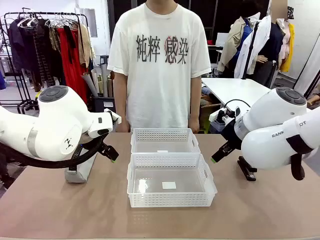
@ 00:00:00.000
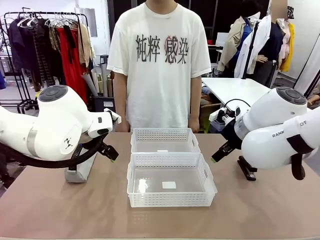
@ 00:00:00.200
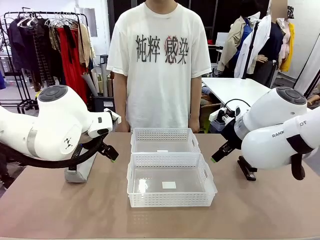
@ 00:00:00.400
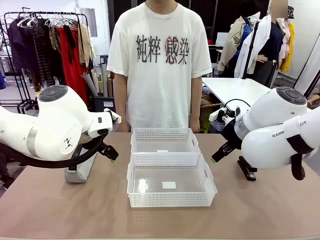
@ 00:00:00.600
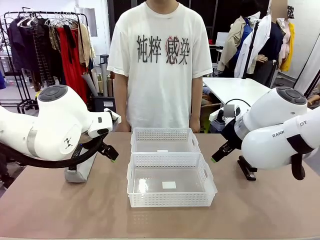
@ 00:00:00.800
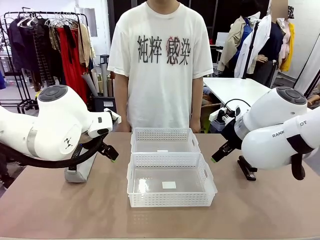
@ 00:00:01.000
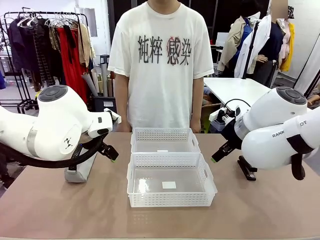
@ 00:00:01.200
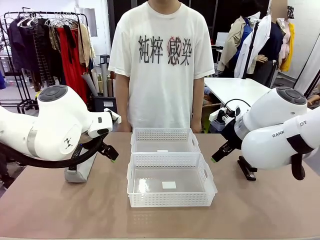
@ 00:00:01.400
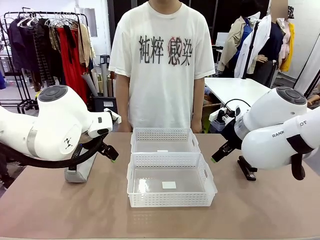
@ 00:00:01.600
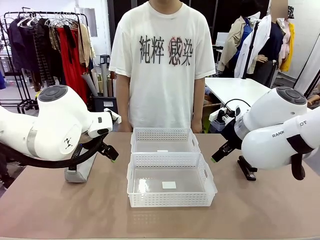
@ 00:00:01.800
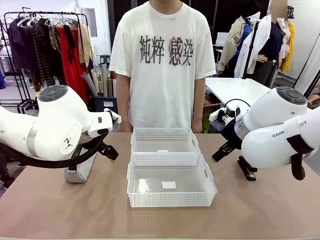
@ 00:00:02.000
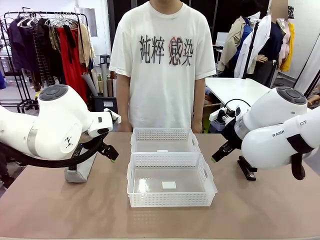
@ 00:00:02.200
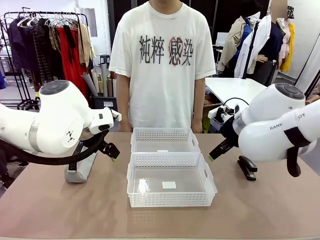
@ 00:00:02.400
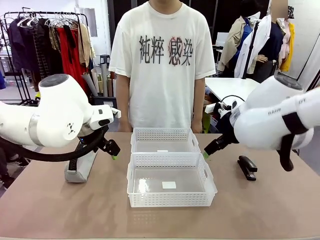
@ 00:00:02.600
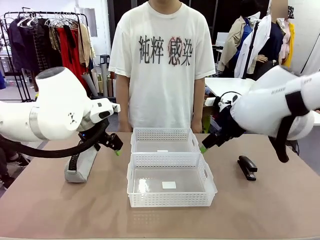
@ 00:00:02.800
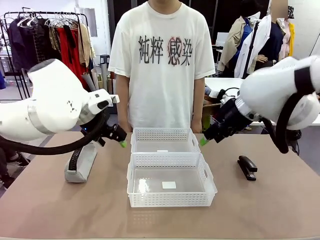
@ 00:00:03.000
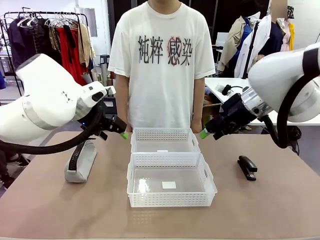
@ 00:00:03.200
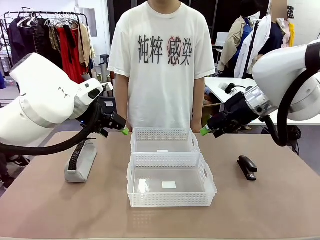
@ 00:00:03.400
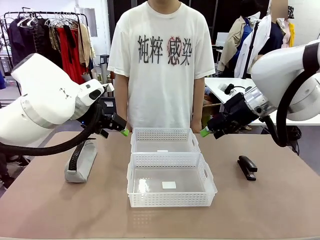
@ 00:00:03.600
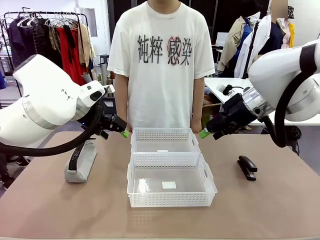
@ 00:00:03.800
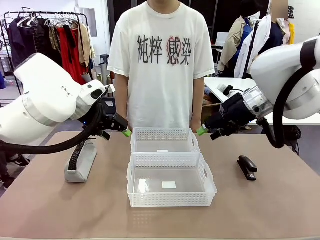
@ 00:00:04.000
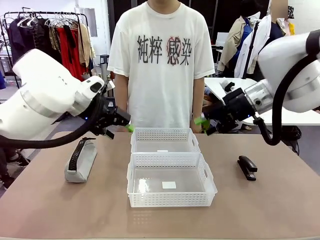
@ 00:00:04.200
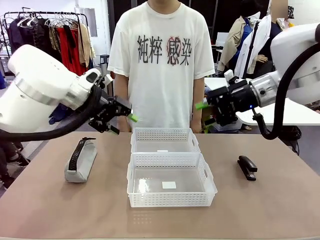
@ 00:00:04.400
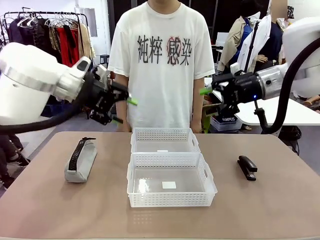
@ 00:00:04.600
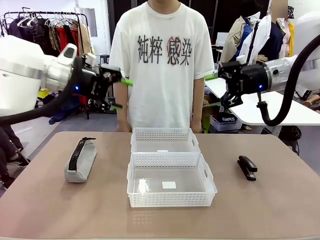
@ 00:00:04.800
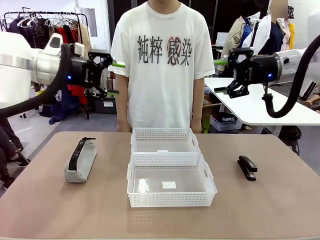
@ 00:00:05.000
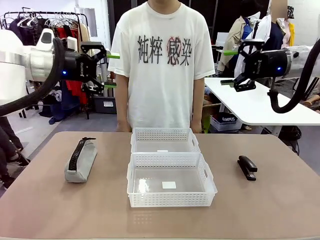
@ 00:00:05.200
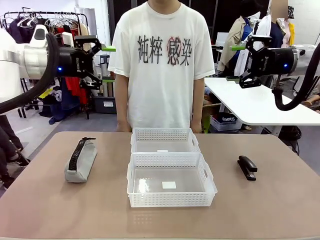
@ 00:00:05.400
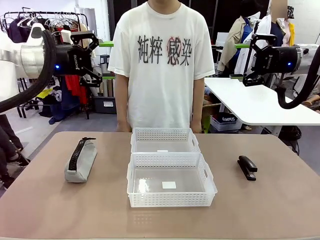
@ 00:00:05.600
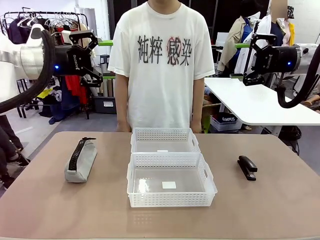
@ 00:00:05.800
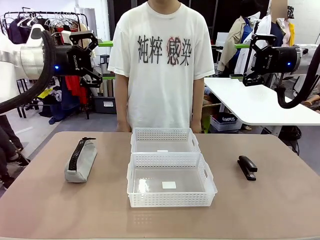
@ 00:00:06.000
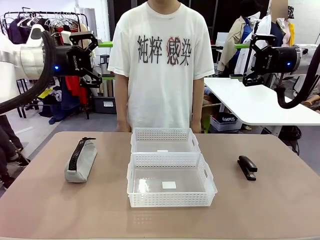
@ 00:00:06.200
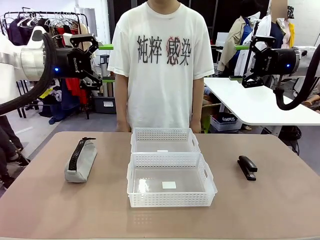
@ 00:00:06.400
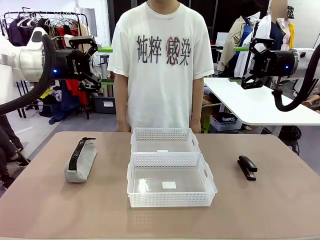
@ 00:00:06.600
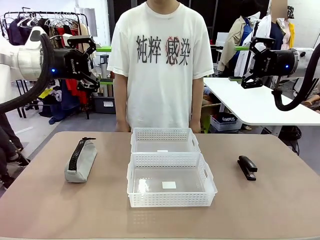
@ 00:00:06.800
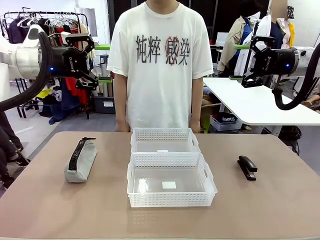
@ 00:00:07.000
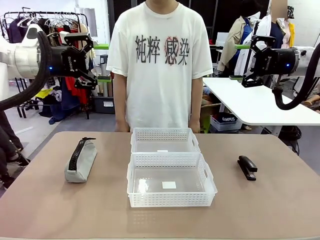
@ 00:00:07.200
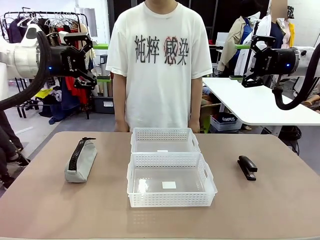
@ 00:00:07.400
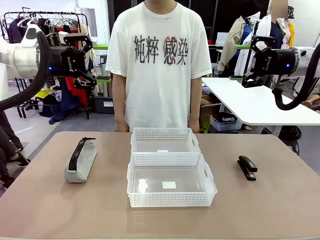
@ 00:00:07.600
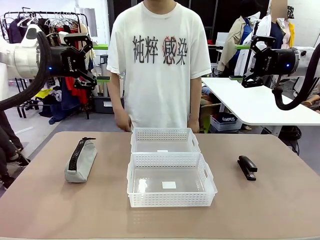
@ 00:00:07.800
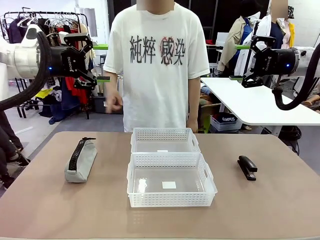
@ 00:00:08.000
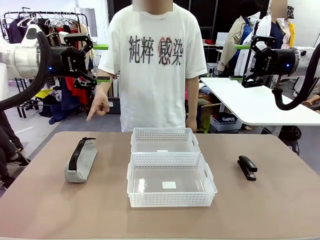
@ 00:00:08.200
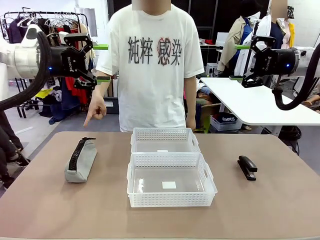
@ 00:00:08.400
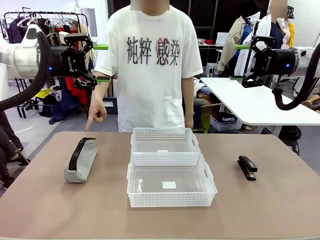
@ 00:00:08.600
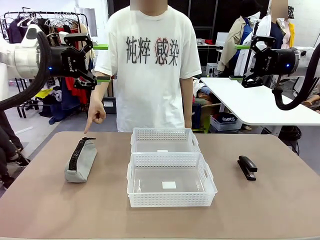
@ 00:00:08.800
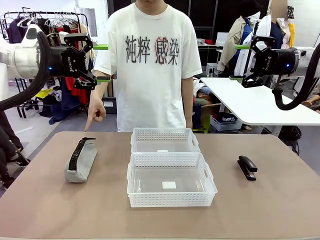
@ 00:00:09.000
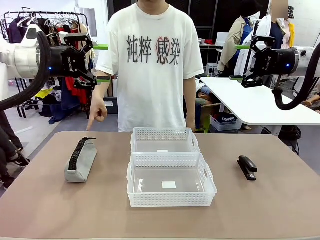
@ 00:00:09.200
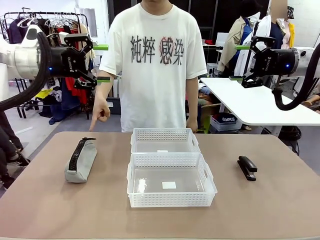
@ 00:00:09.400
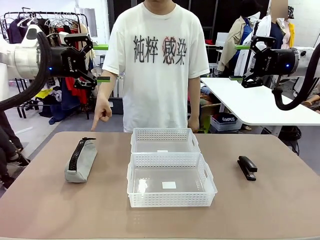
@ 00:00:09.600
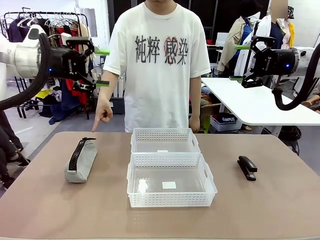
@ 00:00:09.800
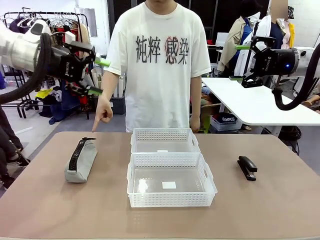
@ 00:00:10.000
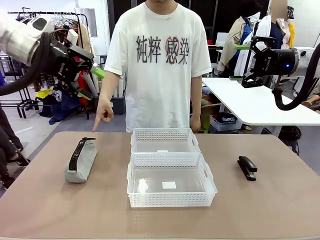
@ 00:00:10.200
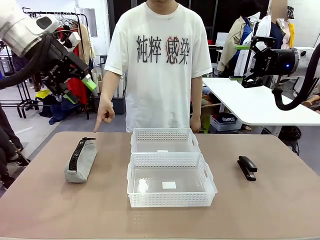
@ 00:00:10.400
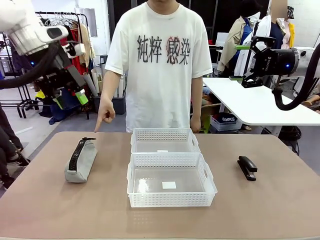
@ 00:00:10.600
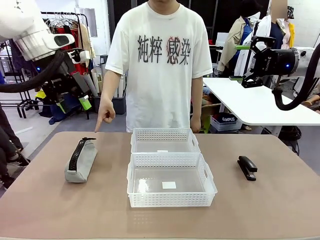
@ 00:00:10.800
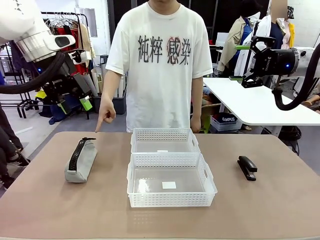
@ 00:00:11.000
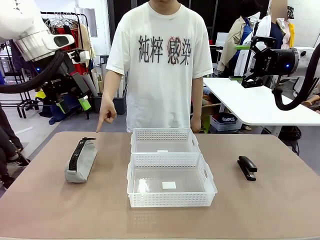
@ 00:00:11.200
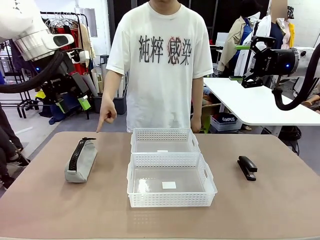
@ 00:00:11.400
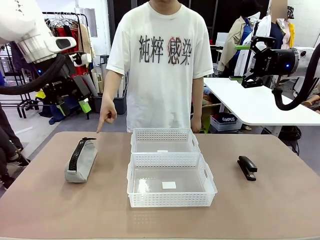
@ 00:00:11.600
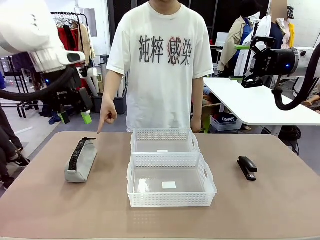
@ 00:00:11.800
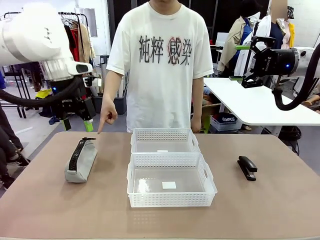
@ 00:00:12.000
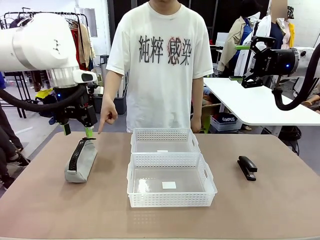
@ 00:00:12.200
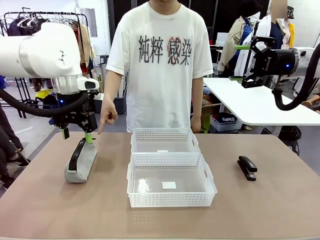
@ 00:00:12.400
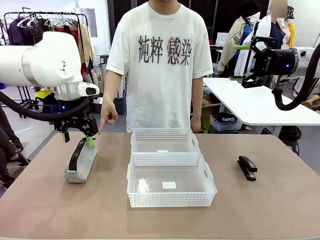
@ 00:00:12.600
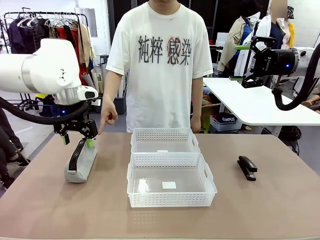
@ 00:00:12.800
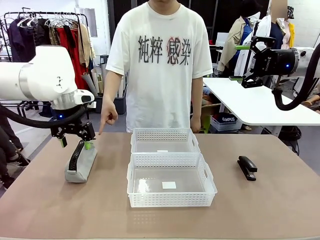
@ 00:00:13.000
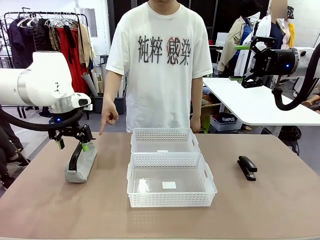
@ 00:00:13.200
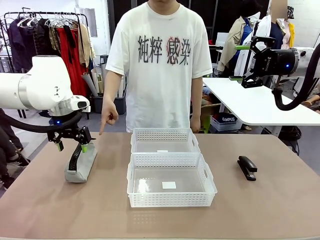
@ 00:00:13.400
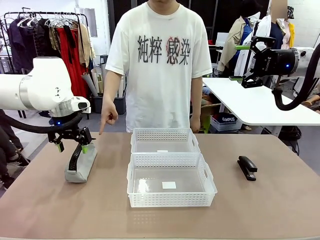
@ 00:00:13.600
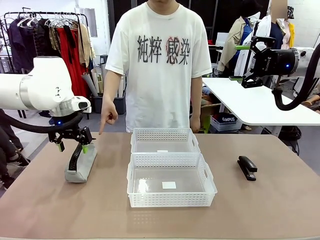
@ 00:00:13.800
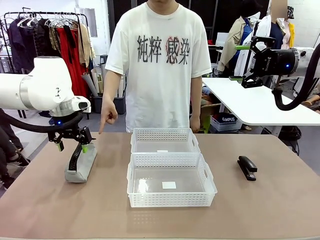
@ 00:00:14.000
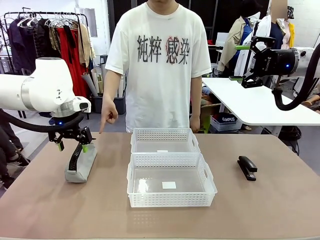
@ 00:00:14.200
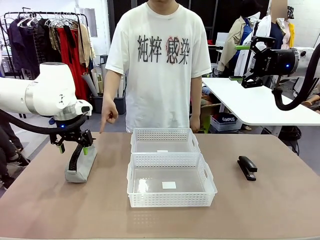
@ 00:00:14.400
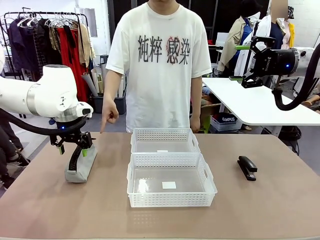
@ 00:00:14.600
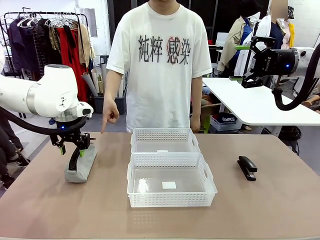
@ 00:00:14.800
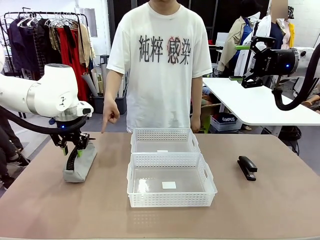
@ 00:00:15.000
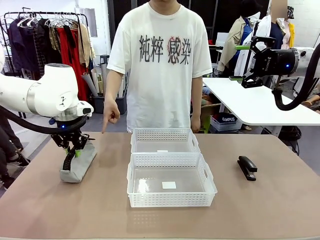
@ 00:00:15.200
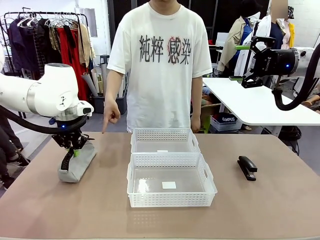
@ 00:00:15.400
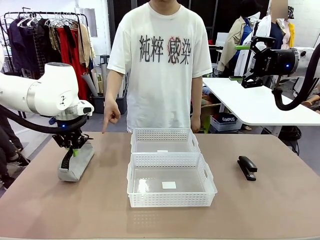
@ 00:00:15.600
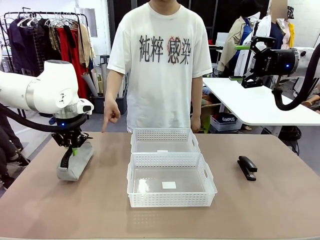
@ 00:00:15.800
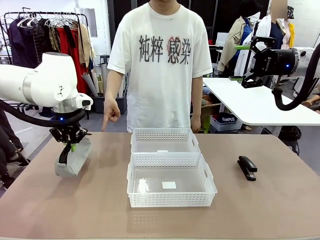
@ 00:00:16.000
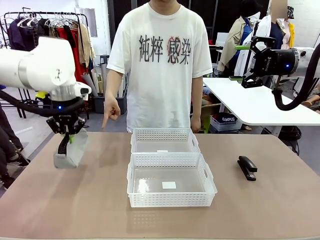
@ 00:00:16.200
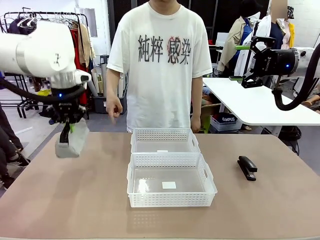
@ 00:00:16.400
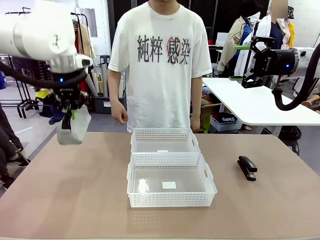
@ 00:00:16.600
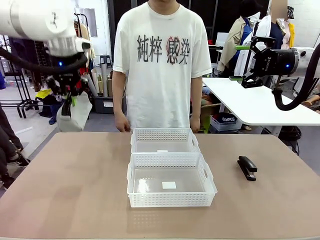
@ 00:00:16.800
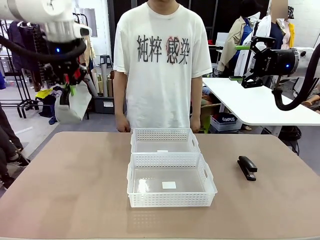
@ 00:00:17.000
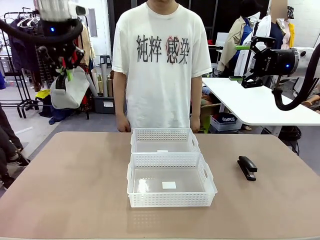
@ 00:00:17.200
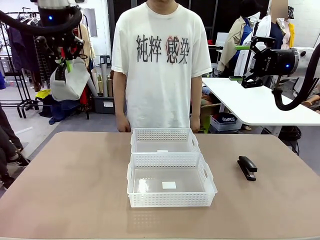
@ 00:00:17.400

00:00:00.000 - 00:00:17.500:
Task: Distribute items into two baskets.
Robot: Pick up the Pencil pouch that the person points to.
Person: Points to the pencil case. Points between the two organizing baskets and instructs the robot to move the pencil case.

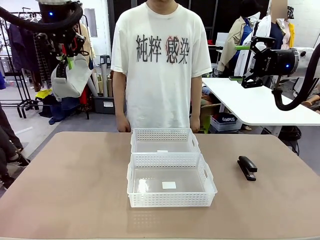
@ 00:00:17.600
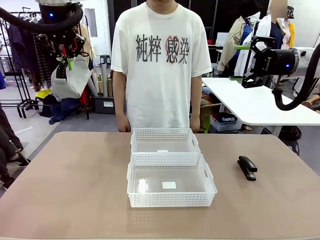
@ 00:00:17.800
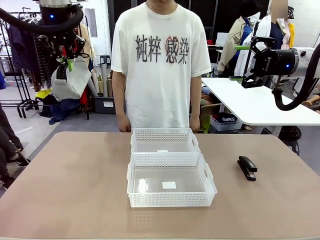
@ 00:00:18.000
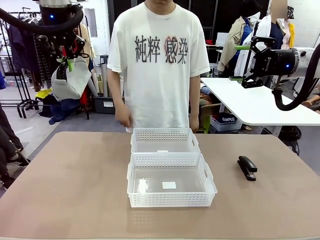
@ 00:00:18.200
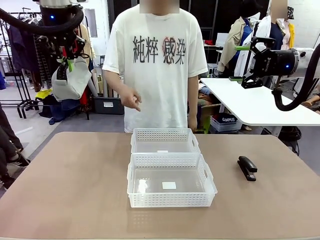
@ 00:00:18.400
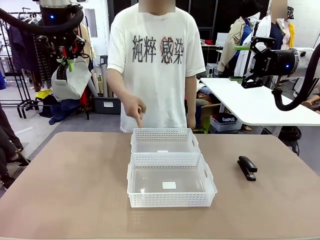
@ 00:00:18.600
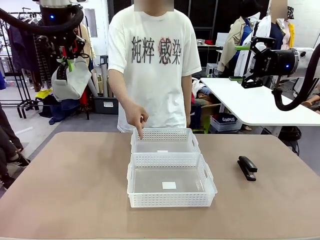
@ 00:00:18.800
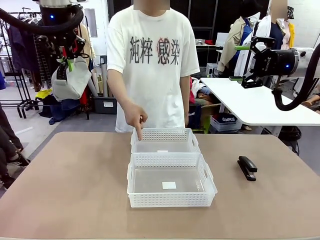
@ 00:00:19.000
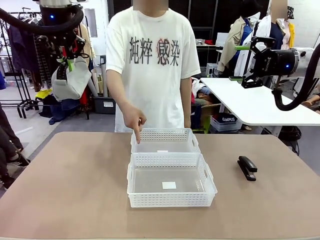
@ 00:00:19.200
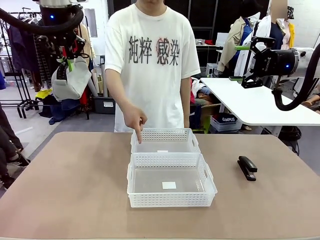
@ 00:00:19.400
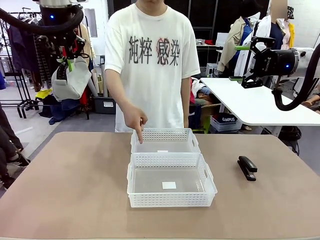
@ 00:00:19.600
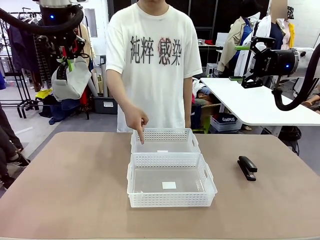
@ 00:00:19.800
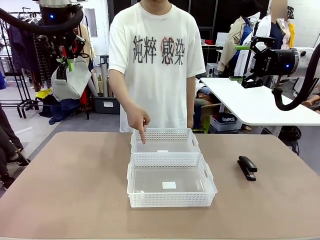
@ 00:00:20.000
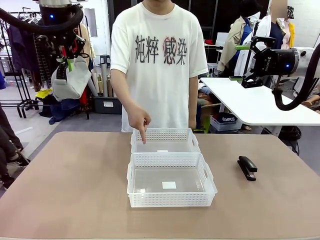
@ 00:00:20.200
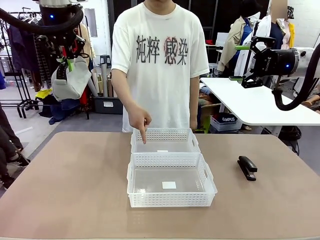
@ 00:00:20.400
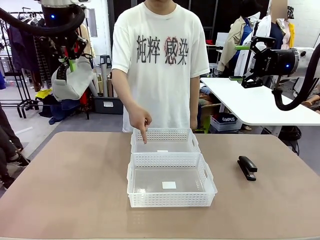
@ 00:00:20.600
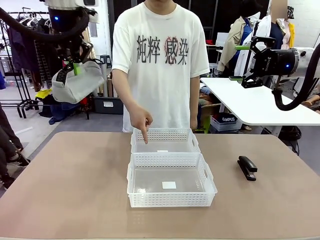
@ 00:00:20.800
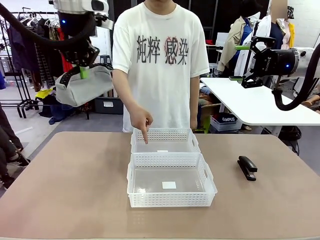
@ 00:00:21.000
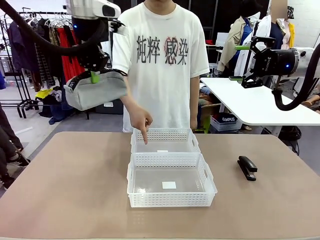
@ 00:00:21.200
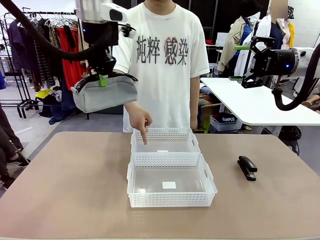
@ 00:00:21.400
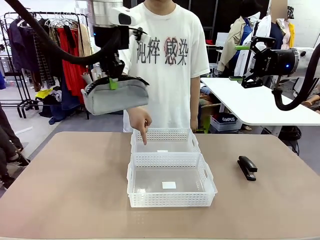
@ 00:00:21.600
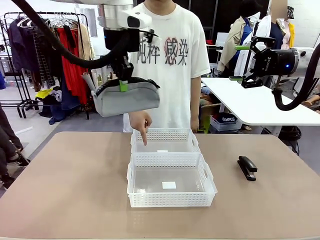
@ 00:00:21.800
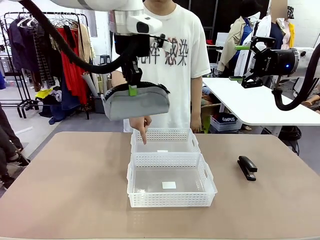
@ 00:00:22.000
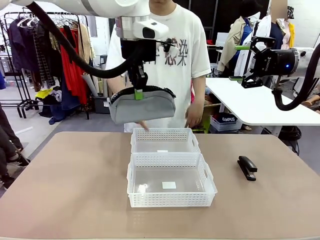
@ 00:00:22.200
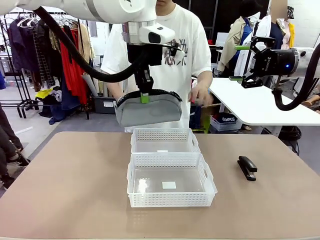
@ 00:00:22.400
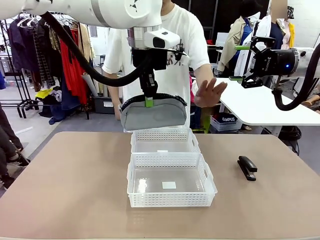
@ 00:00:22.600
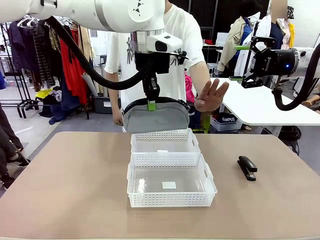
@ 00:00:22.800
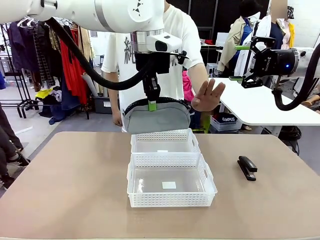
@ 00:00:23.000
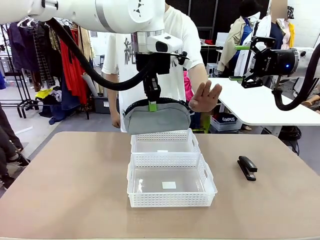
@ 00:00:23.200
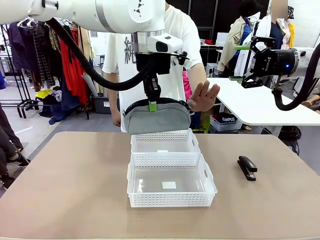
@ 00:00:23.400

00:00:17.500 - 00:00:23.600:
Robot: Move the picked Pencil pouch towards the Organizing basket indicated by the person, stopping as directed.
Person: Sends a stop gesture before the robot places the pencil case into the basket.
